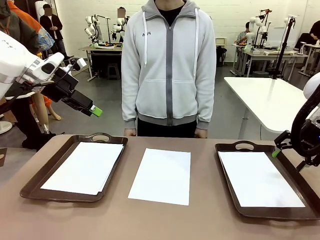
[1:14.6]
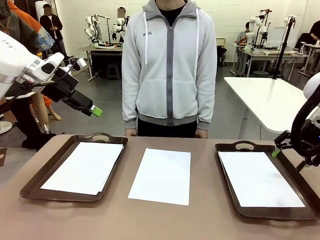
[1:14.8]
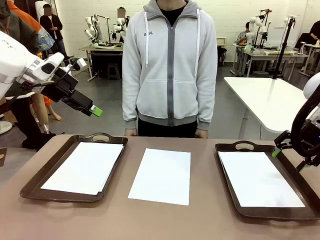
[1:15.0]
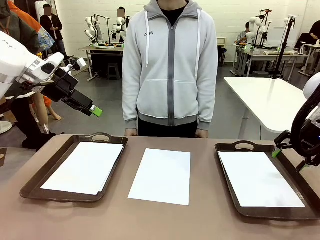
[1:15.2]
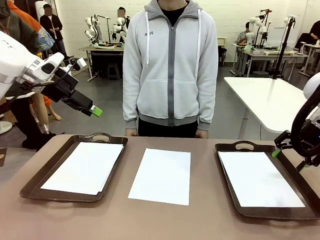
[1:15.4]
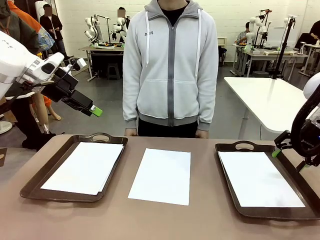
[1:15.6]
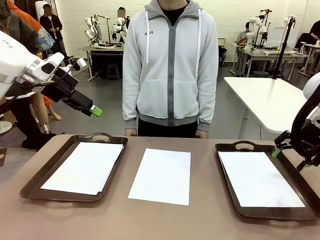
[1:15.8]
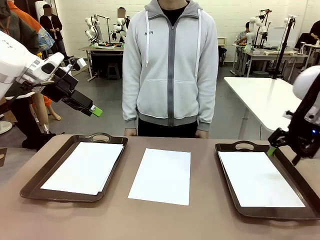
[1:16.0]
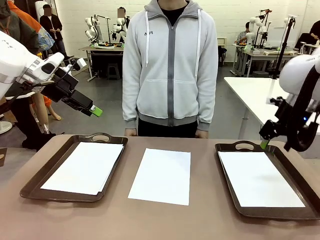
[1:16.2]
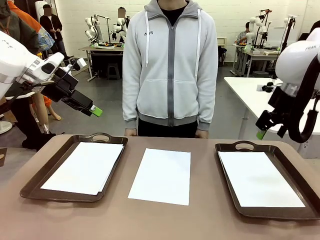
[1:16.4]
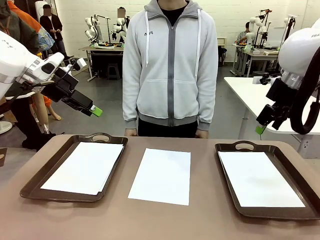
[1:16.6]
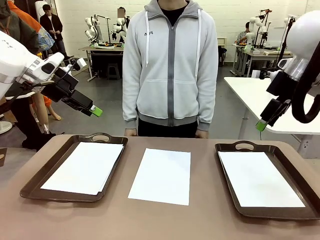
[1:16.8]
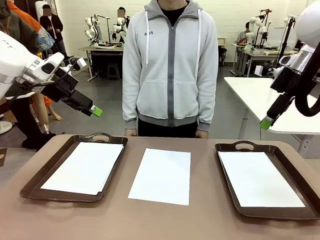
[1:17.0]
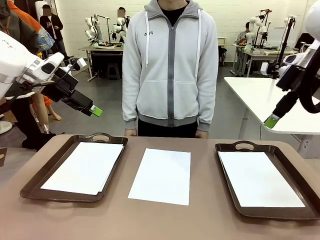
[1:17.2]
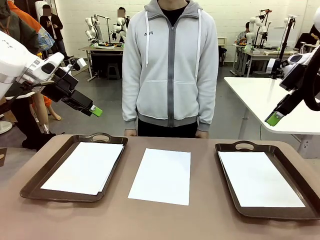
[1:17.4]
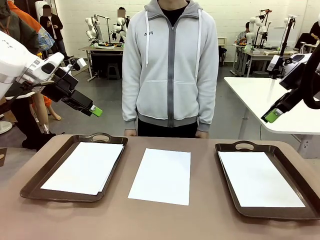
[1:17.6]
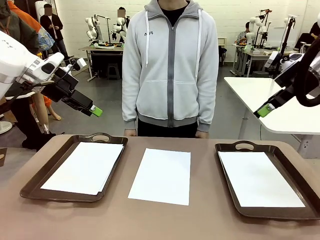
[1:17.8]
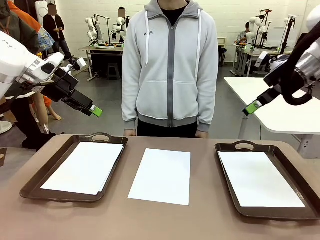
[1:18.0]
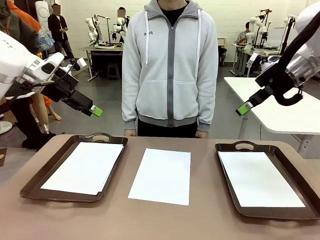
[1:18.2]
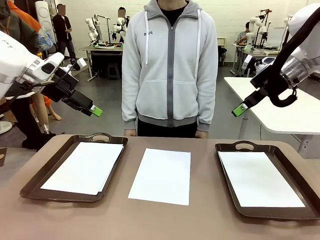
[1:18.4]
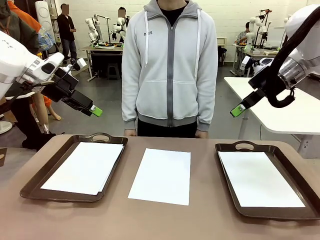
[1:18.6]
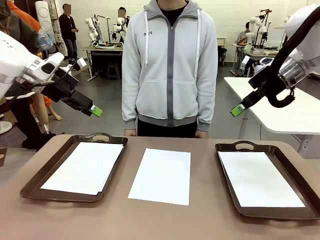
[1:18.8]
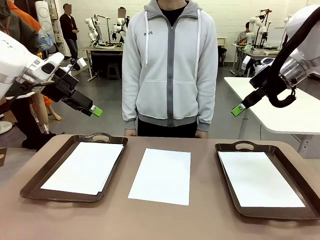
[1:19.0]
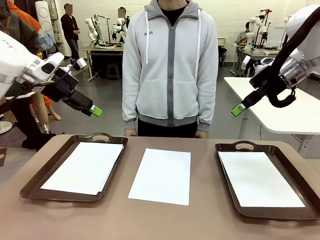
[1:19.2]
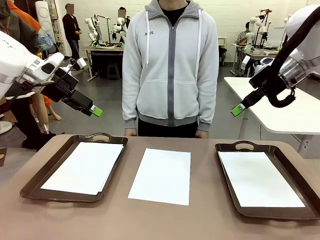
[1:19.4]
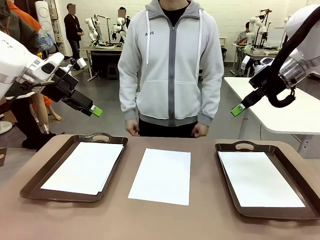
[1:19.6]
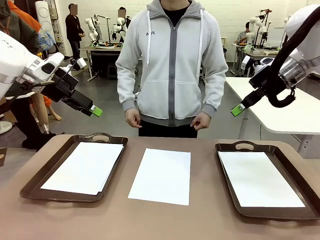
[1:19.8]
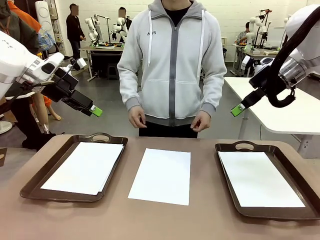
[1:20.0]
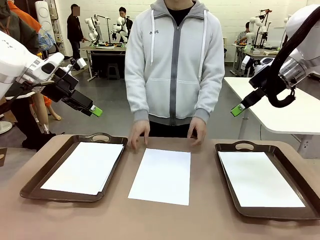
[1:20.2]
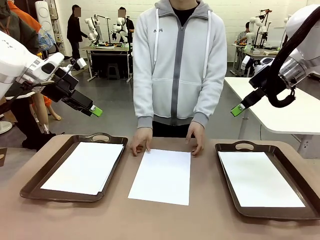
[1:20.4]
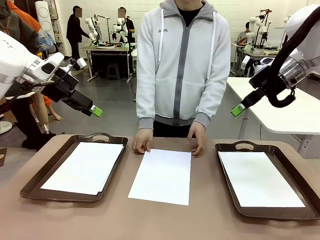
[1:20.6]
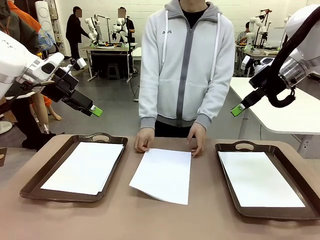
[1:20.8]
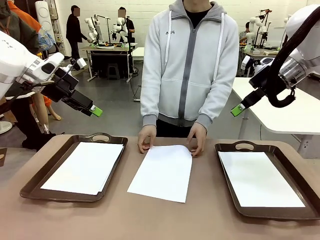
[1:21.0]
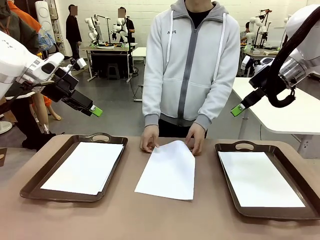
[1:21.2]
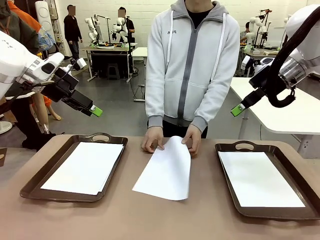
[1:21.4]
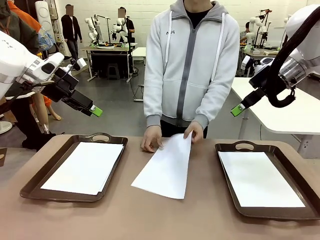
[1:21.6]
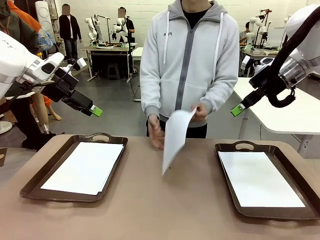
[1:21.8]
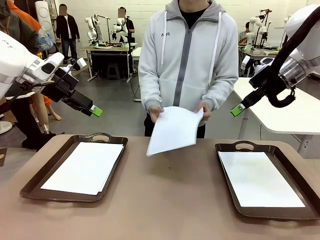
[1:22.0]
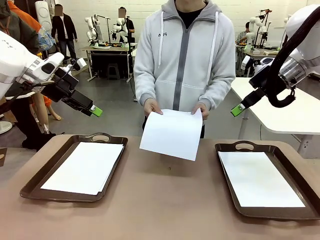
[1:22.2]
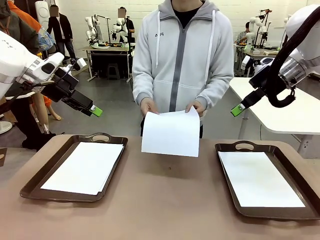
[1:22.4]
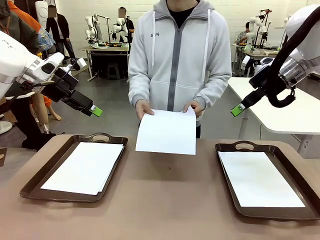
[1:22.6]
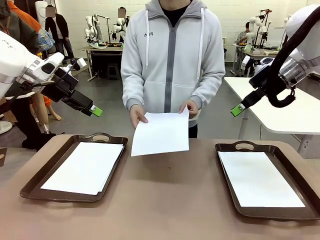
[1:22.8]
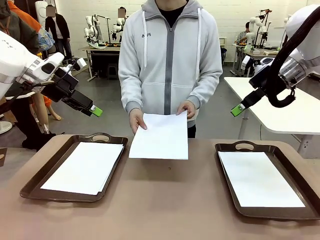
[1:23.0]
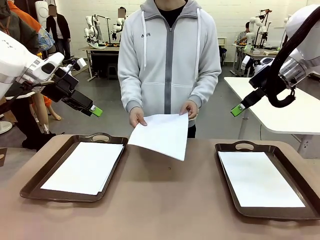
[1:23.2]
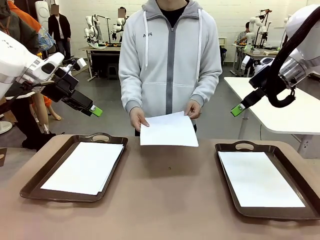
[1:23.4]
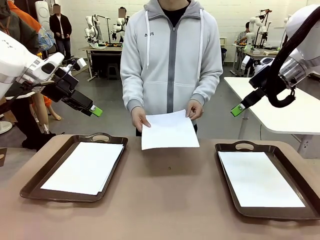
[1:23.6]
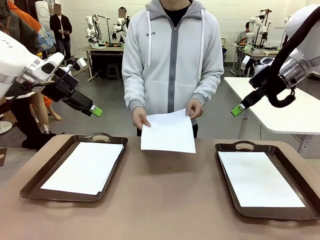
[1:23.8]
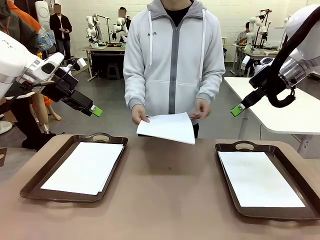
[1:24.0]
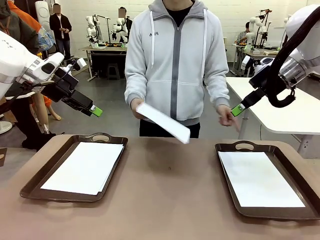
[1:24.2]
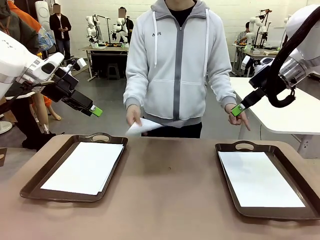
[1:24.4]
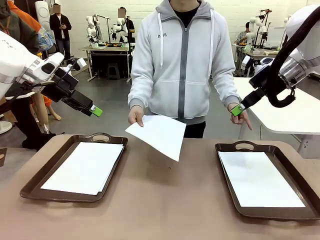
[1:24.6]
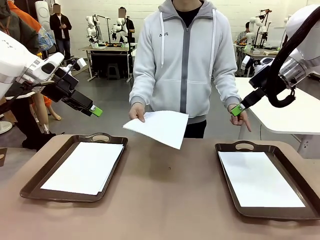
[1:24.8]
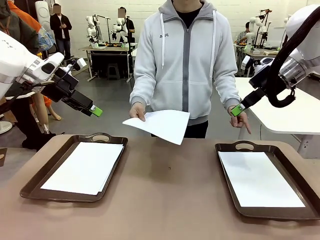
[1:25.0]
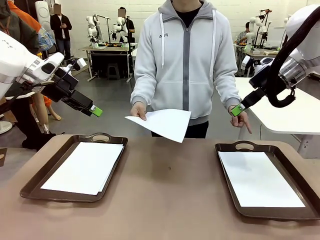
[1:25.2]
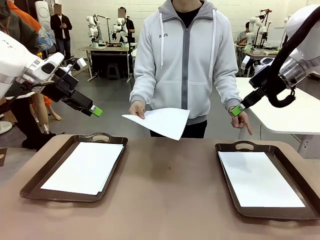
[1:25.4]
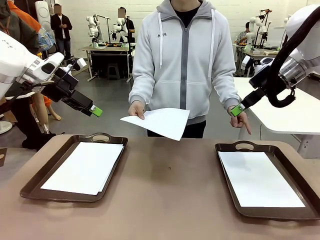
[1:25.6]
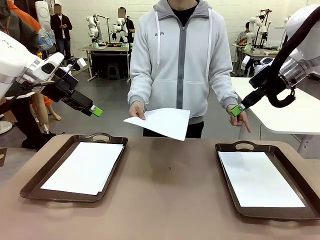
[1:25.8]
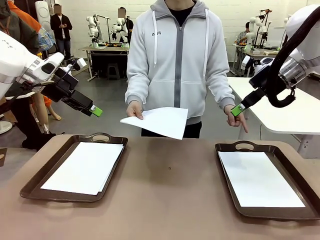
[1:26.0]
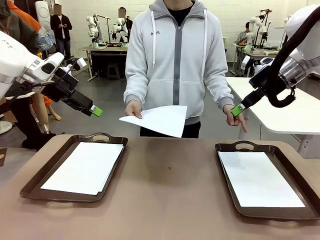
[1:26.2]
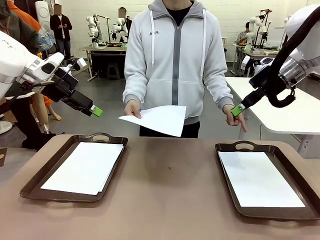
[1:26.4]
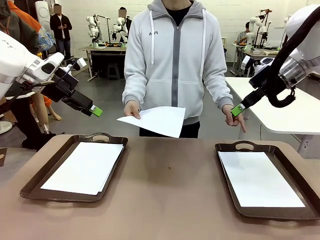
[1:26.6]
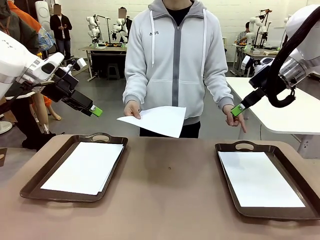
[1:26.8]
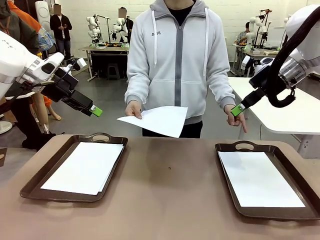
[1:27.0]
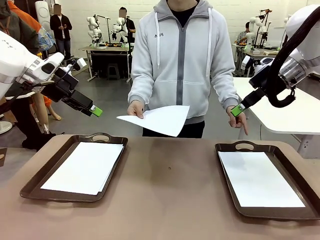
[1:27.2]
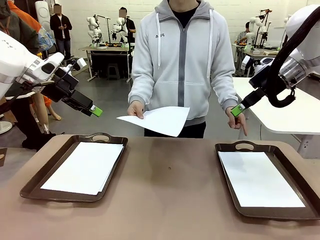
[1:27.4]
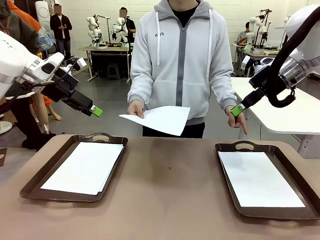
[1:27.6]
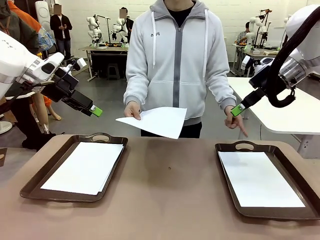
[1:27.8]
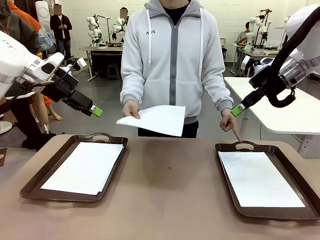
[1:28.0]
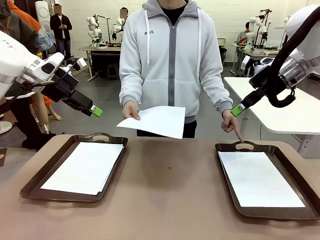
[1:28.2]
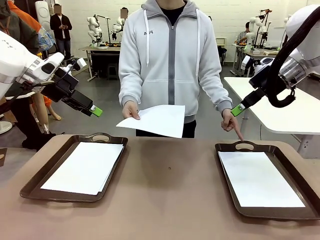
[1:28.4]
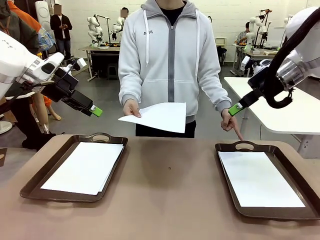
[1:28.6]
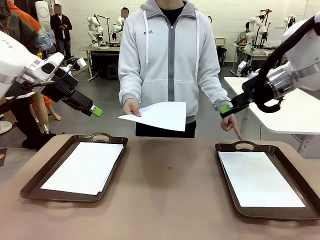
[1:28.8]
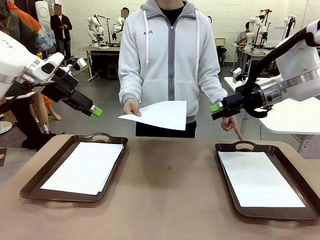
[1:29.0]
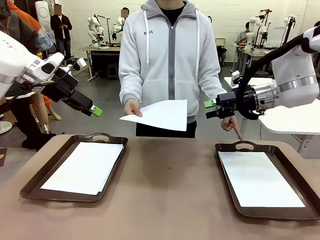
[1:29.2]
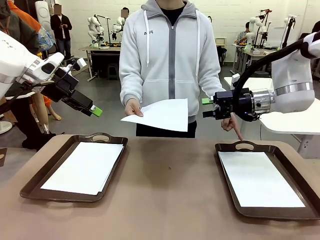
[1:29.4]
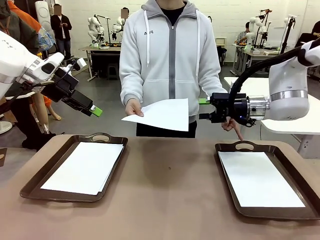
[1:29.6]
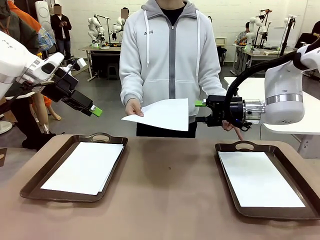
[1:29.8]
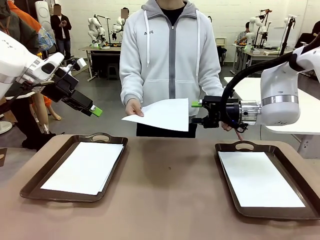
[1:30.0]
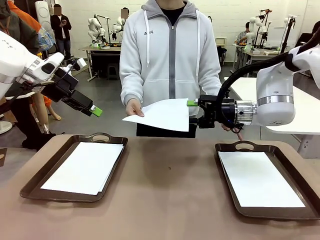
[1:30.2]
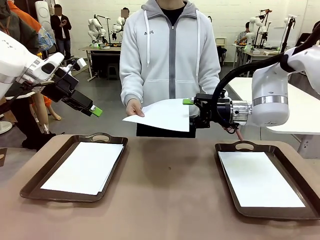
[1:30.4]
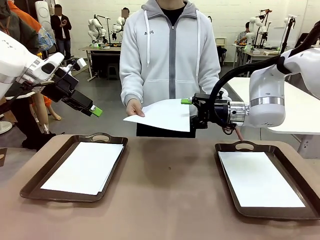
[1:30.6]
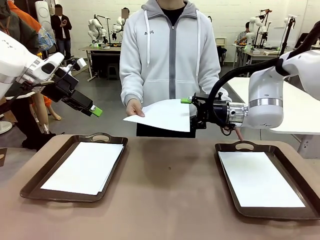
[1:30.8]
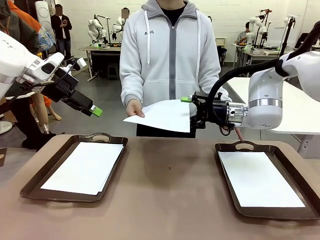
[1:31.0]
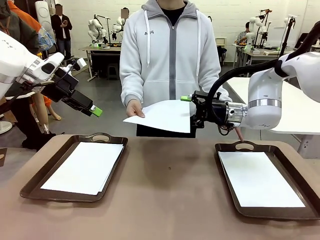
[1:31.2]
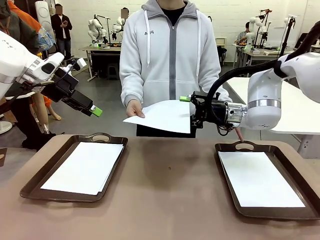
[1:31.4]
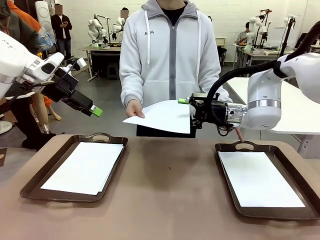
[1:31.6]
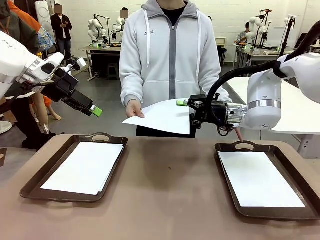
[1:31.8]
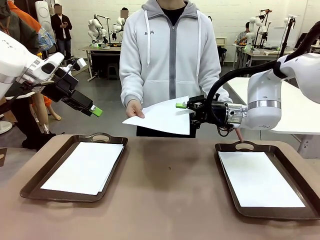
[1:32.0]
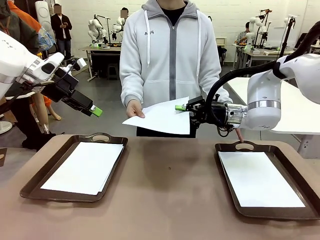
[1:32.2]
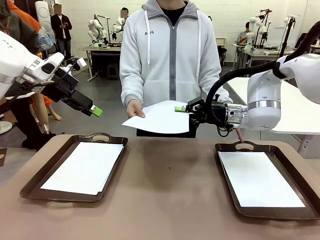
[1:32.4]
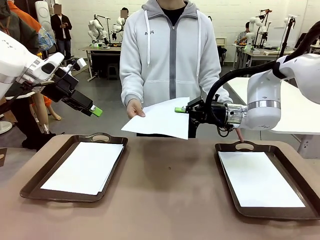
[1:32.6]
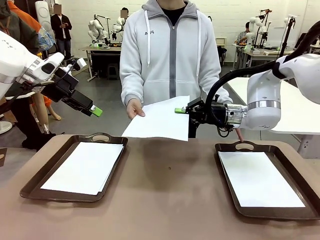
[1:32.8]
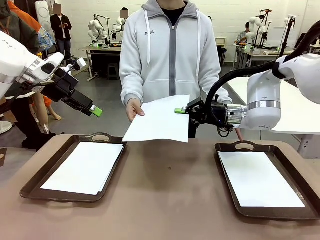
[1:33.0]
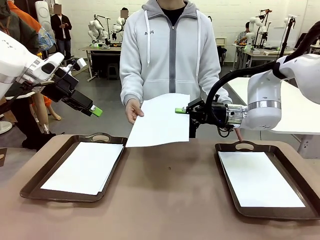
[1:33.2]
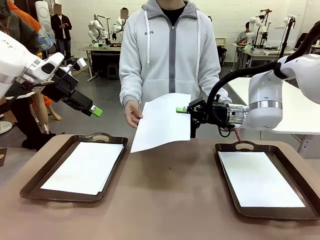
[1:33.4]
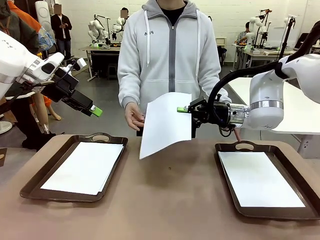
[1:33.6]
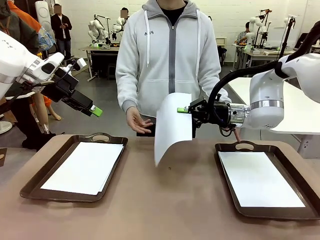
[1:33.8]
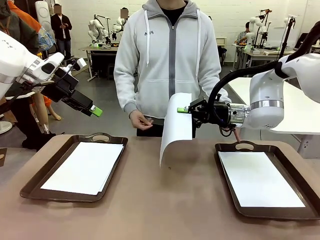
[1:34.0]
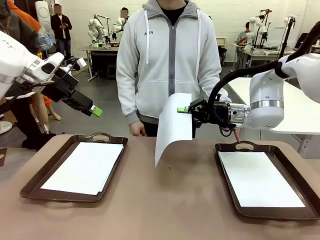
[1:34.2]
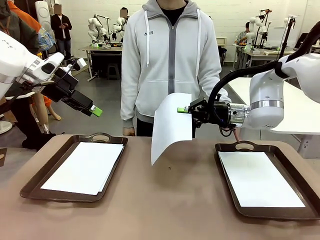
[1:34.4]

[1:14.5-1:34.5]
Task: Sort the A4 documents.
Robot: Receive the A4 Paper.
Person: Point the randomly selected tray with the other hand.
